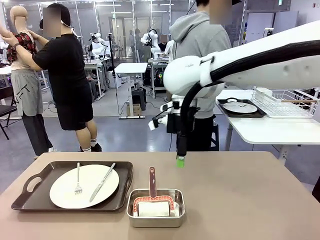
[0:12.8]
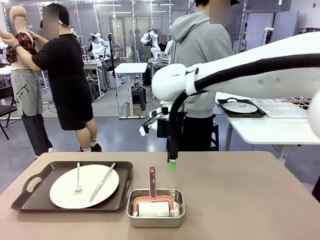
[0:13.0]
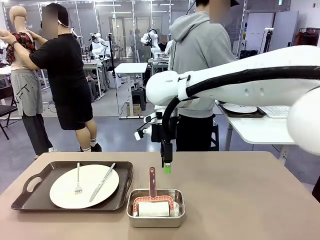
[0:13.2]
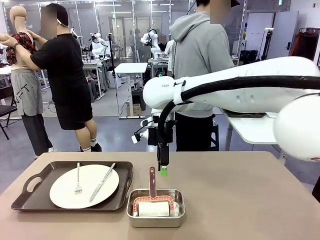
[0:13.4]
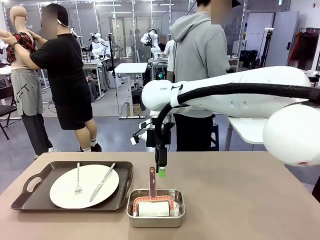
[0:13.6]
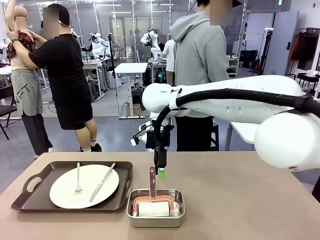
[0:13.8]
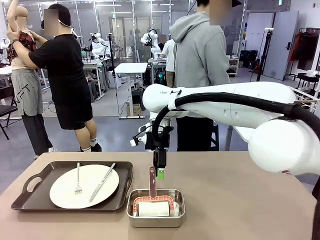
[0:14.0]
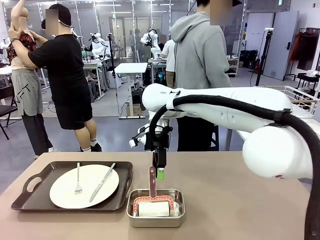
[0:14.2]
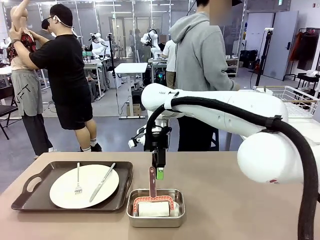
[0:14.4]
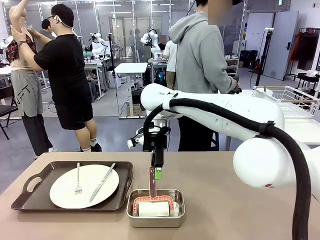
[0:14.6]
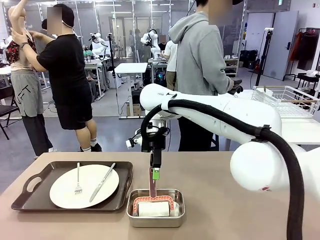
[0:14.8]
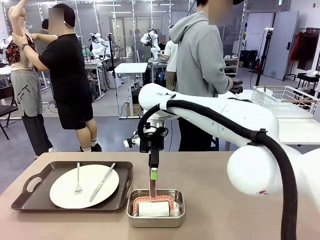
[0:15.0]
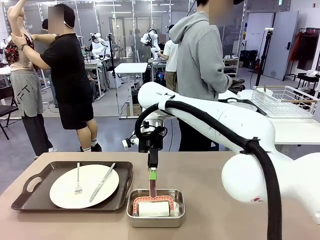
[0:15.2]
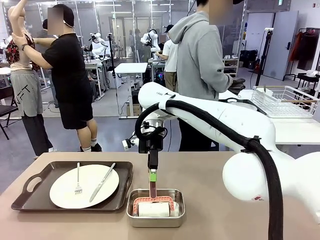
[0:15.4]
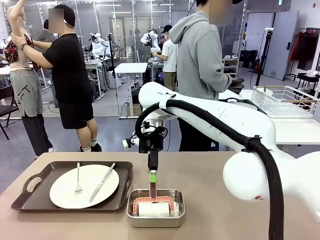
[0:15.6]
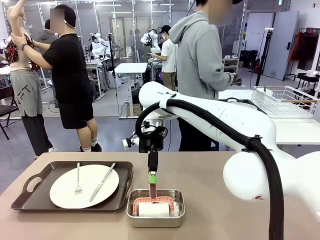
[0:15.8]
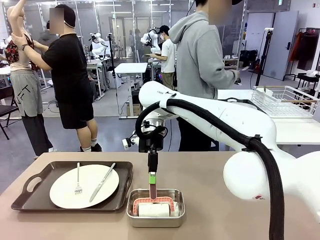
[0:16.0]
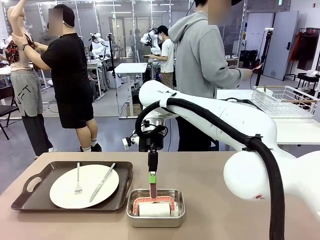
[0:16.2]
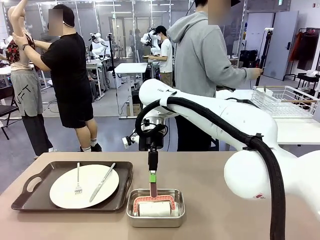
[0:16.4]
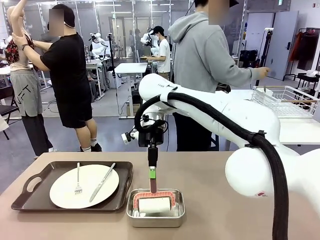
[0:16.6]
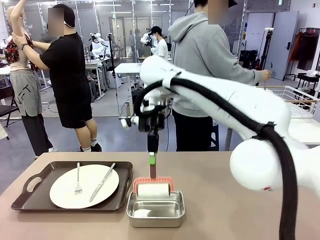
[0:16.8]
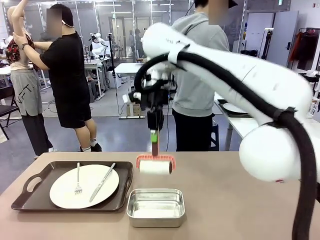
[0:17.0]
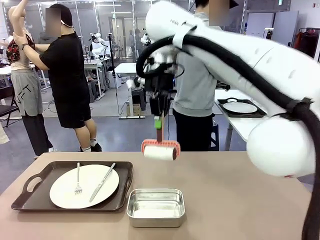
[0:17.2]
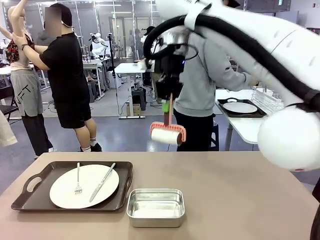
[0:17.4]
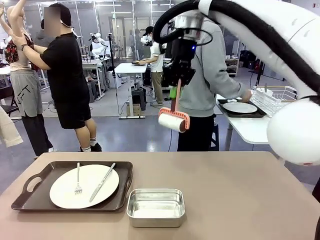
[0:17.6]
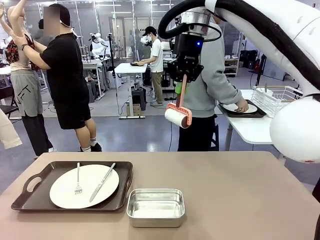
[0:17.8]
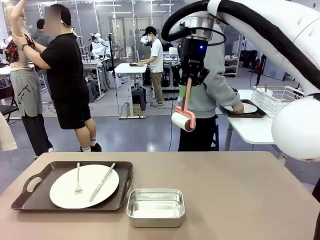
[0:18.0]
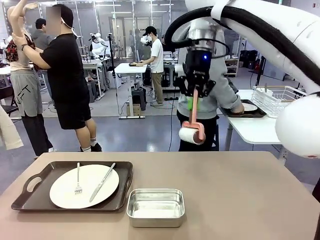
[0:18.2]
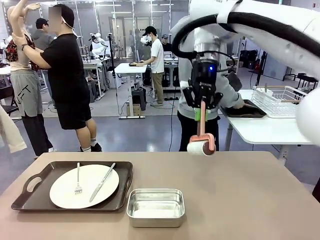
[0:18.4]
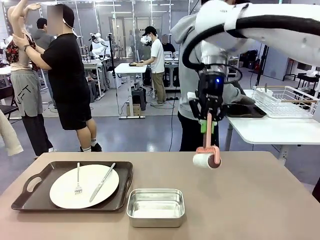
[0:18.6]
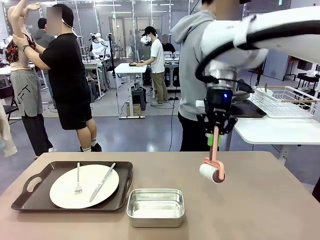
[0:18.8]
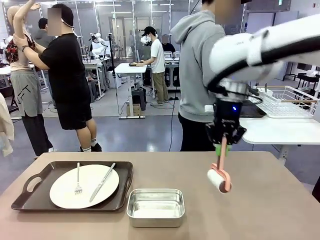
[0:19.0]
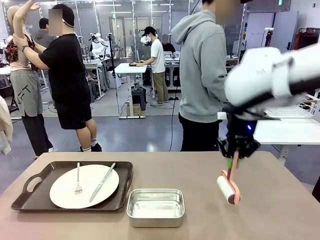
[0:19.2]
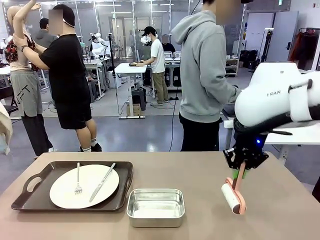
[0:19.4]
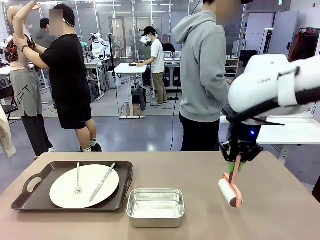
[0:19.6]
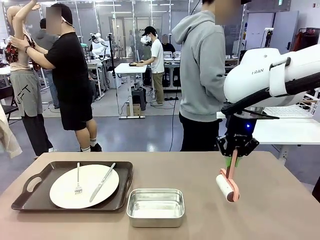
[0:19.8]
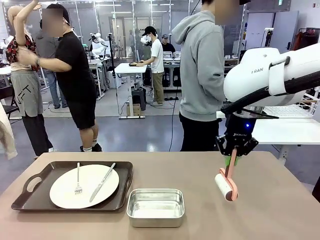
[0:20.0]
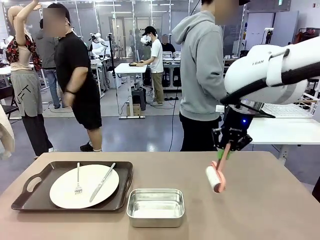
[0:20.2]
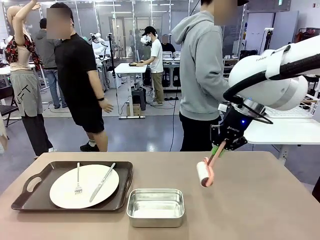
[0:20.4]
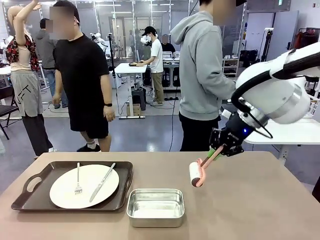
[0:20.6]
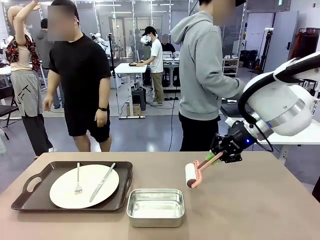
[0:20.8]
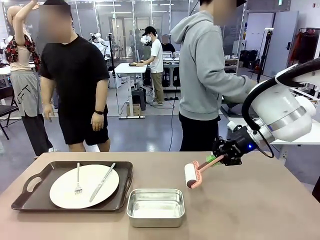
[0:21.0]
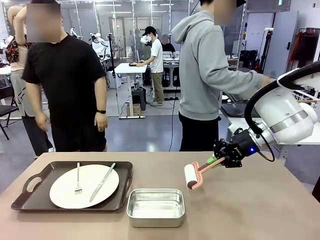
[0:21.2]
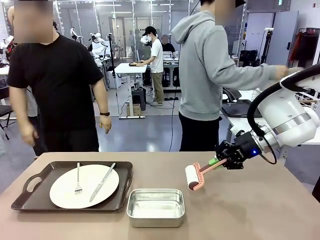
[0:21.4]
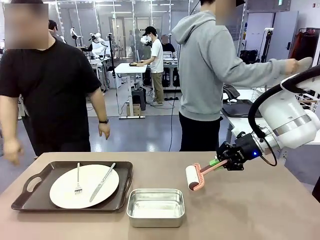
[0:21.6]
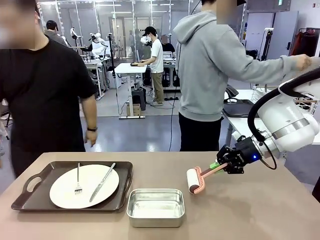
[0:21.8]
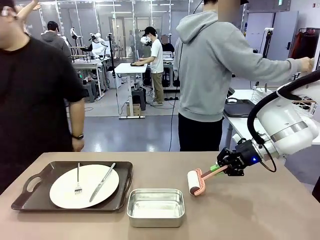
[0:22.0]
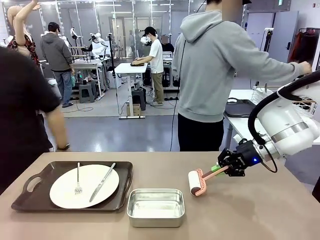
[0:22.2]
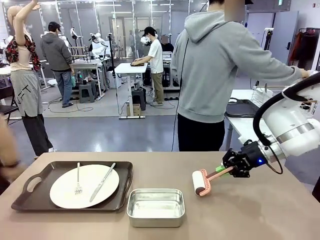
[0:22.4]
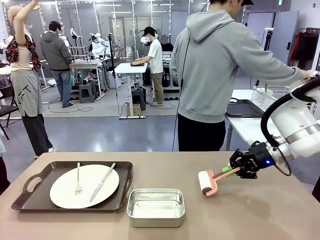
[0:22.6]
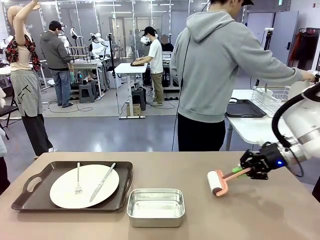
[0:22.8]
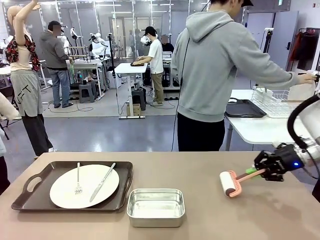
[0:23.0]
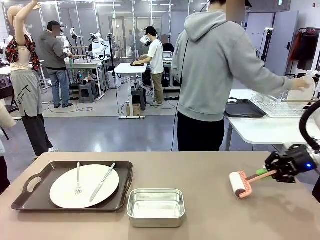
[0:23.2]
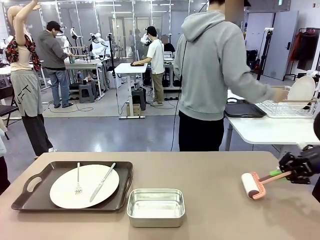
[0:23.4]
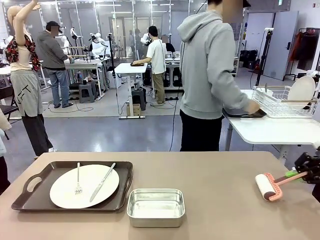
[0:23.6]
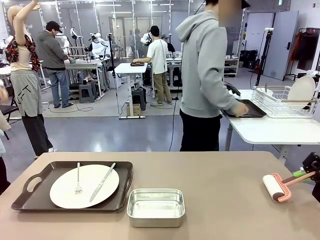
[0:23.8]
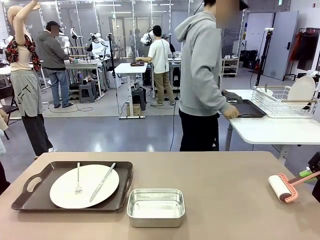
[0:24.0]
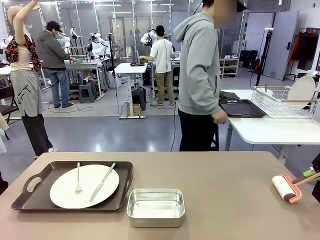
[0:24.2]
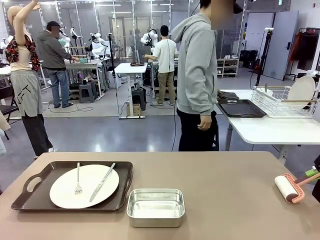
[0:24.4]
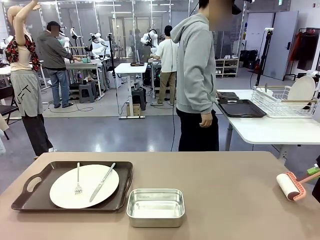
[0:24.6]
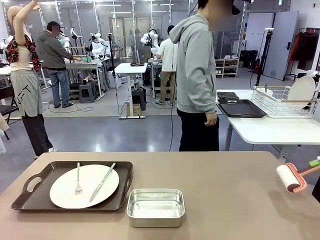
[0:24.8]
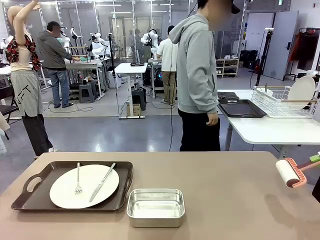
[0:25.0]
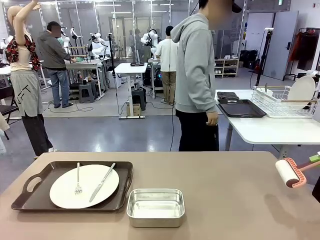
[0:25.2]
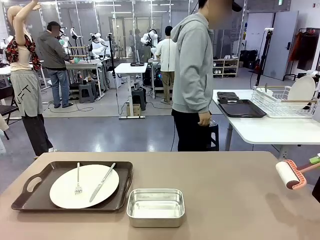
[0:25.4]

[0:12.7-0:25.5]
Robot: When the left (or right) Handle tray is removed, use the left hand (or right hand) to clean the left (or right) side of the table with the Lint Roller.
Person: Use the Towel with hook to wipe the Plastic Matte Plate , Fork , and Knife and place into the Dish drying rack.

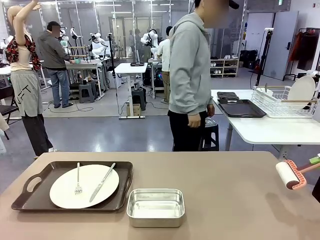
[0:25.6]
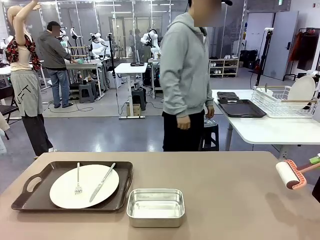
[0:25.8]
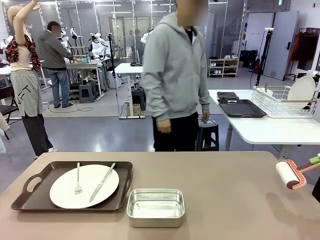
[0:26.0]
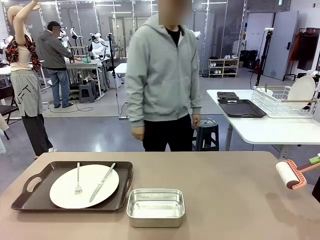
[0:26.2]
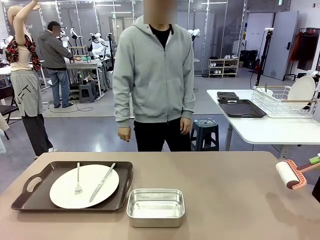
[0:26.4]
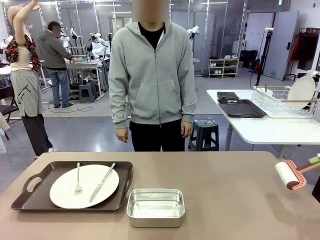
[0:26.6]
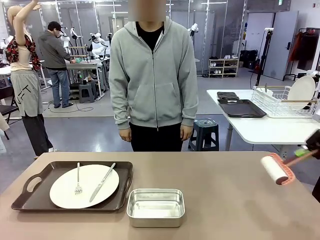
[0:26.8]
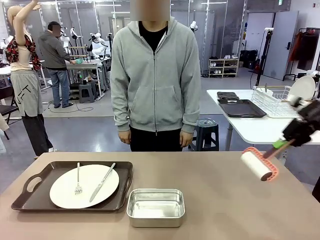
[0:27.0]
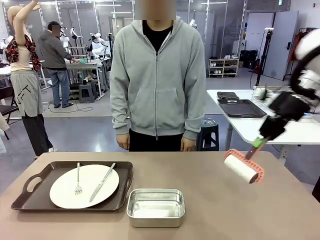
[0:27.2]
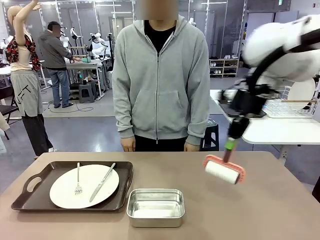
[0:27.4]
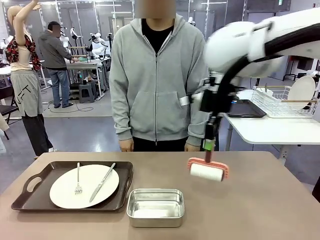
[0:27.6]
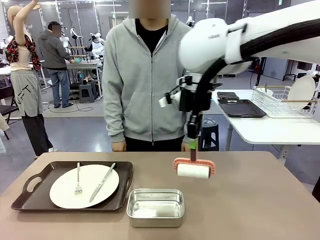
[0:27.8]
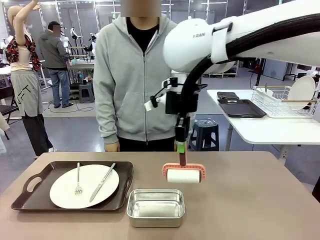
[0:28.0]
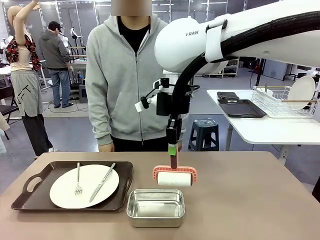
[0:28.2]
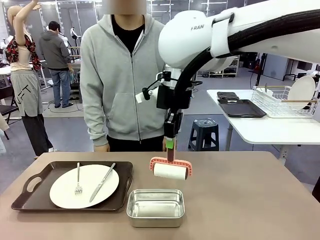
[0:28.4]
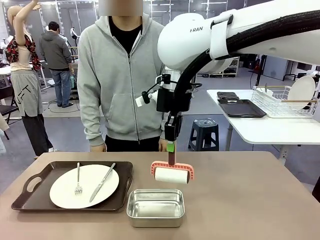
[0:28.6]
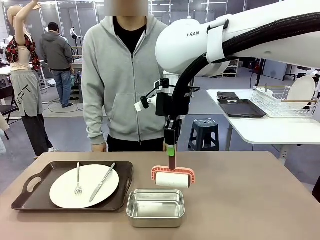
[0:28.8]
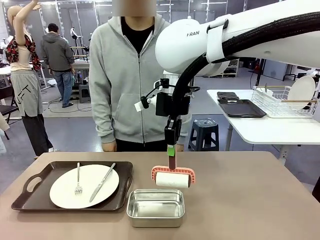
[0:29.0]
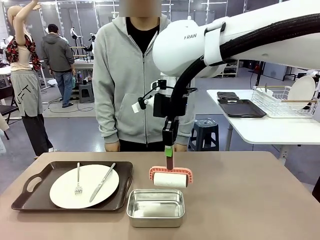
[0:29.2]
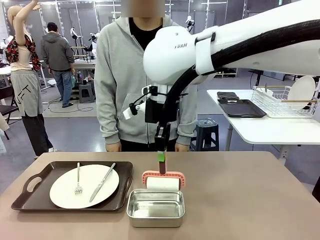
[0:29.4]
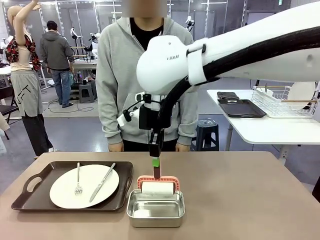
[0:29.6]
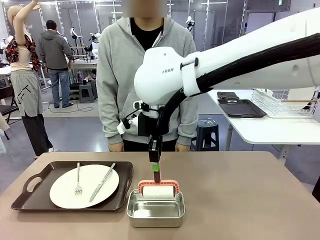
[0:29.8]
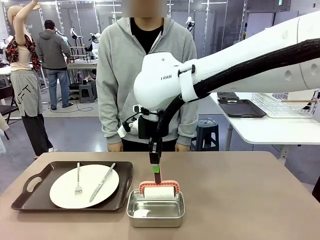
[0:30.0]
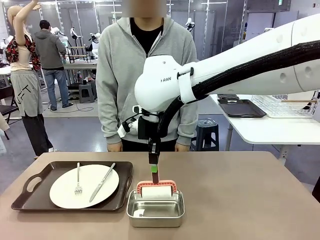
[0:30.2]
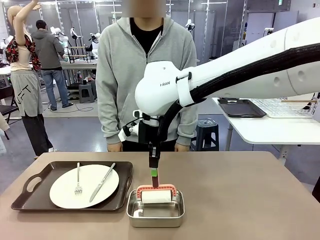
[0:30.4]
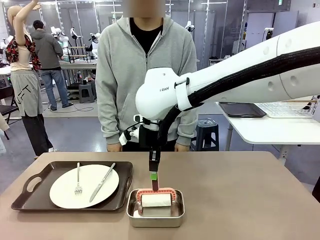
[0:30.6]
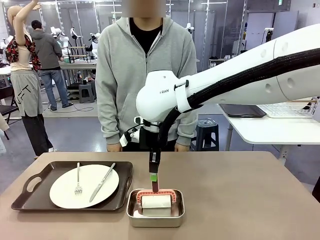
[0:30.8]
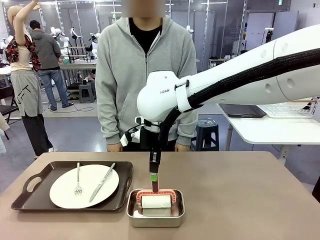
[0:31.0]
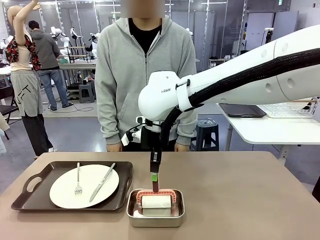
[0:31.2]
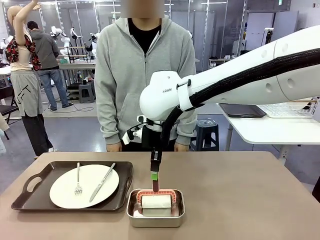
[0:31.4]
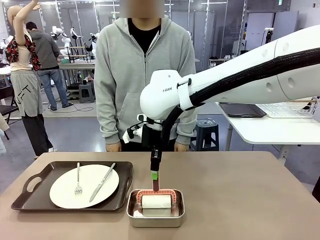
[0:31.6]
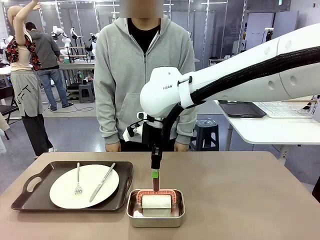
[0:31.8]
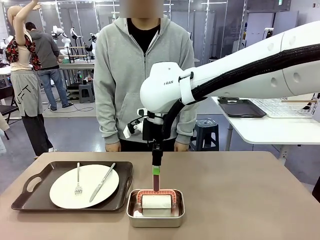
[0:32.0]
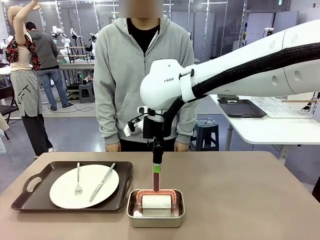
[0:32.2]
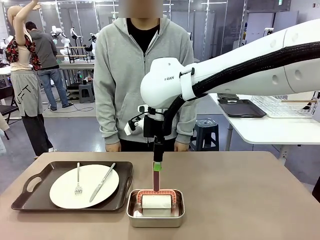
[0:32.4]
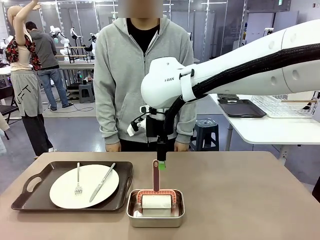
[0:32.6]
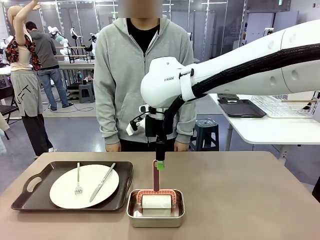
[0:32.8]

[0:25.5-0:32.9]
Robot: Place the Lint Roller back on top of the Airtight Container.
